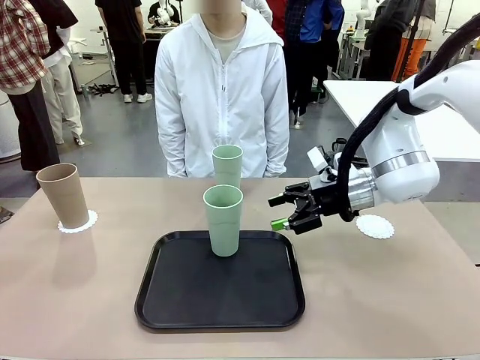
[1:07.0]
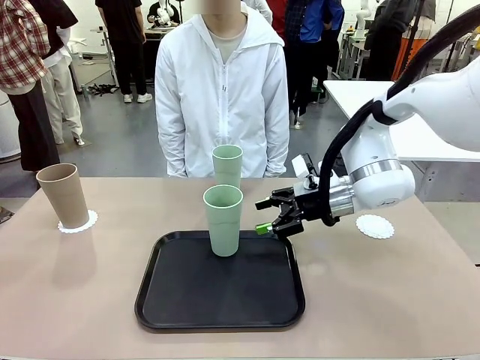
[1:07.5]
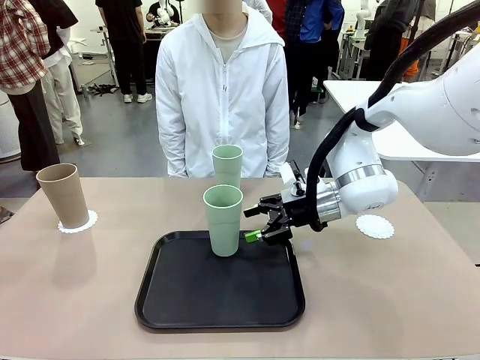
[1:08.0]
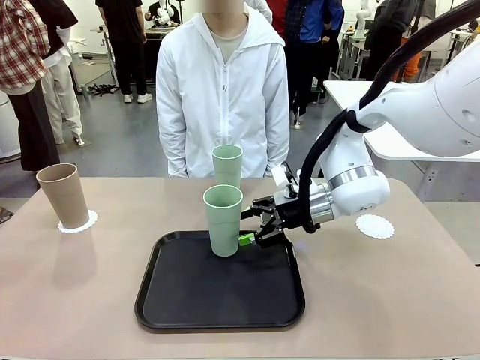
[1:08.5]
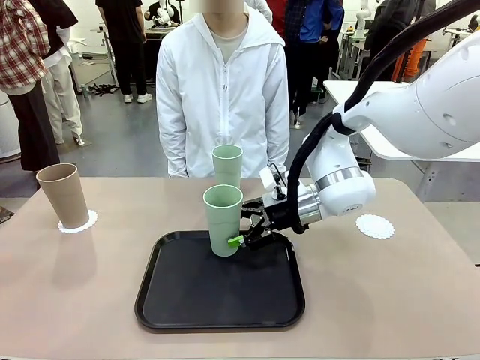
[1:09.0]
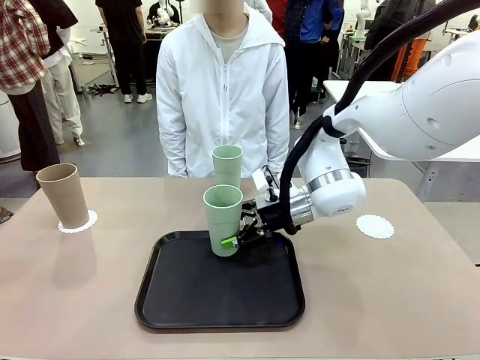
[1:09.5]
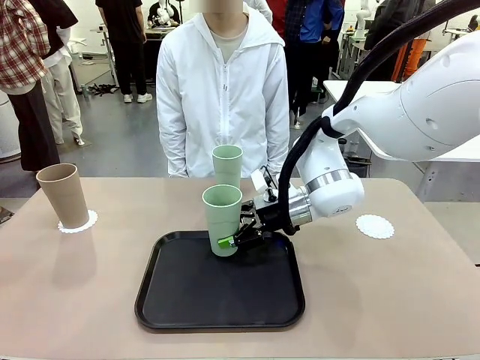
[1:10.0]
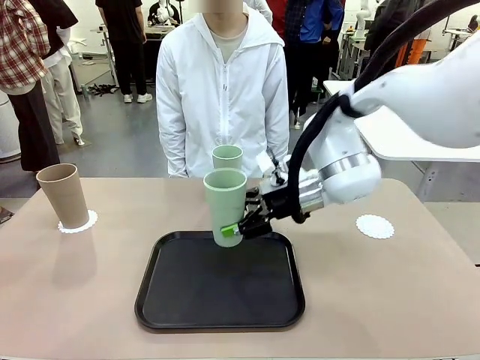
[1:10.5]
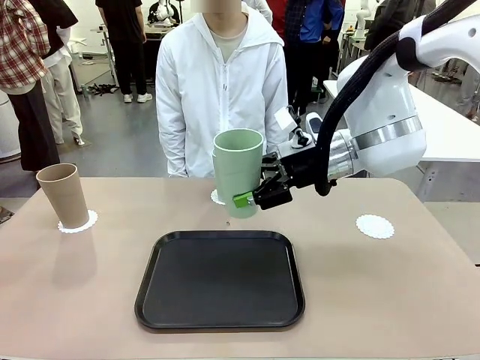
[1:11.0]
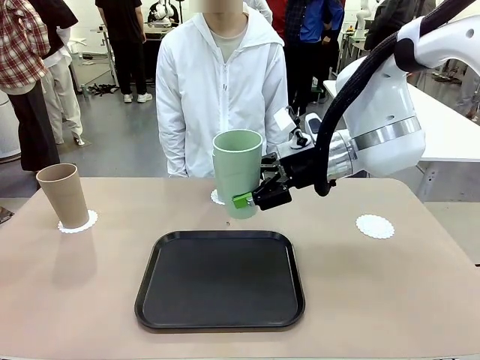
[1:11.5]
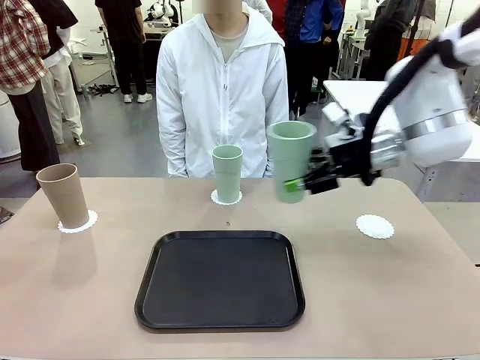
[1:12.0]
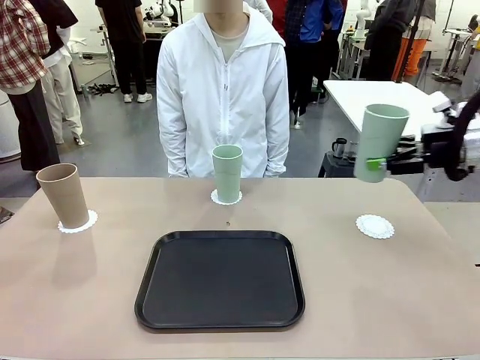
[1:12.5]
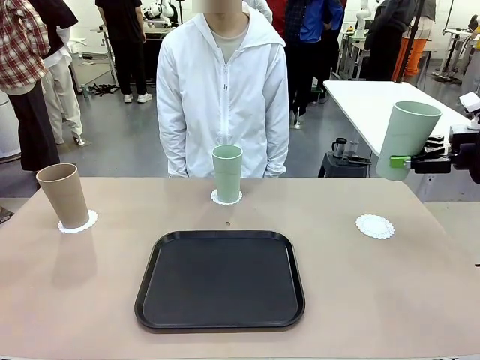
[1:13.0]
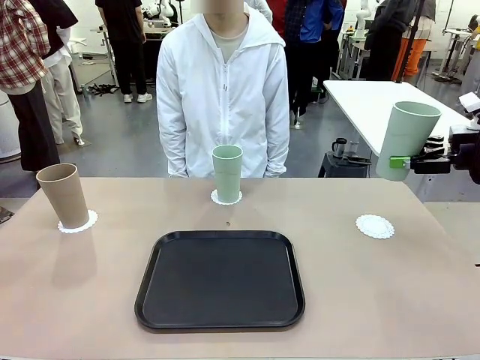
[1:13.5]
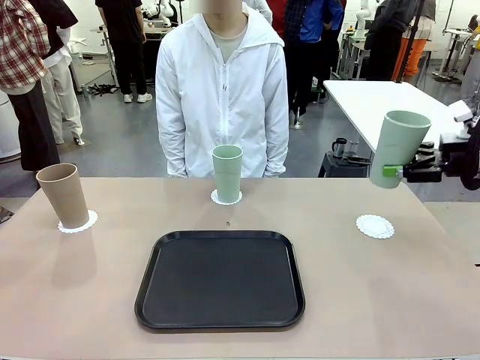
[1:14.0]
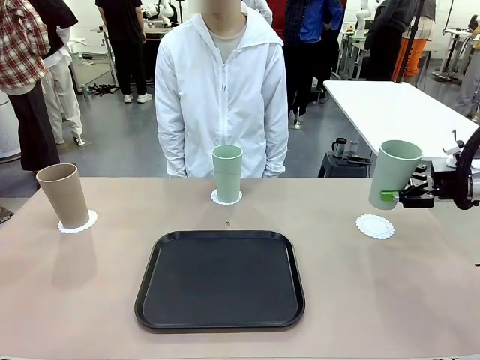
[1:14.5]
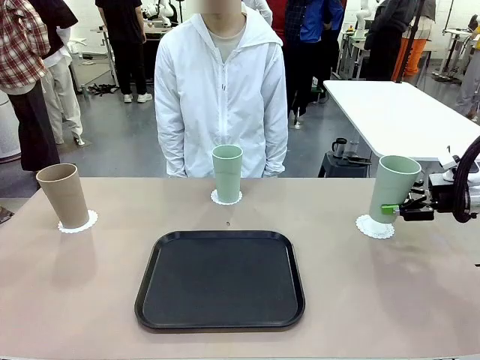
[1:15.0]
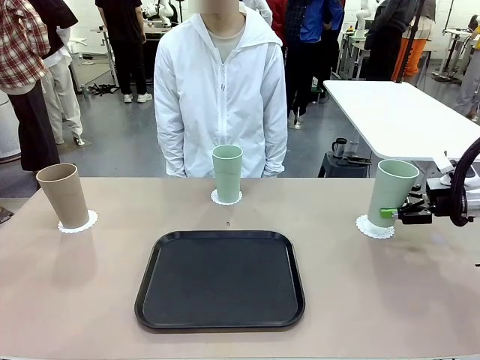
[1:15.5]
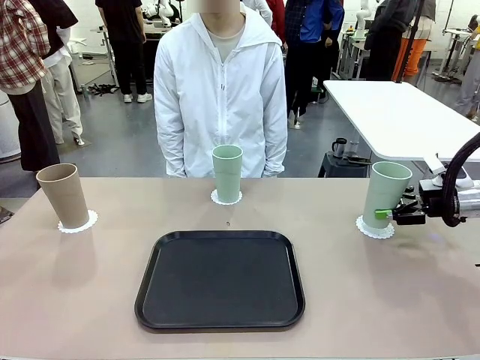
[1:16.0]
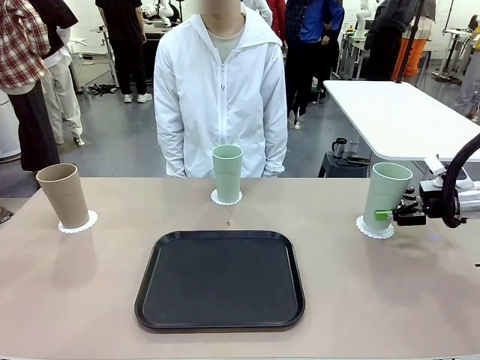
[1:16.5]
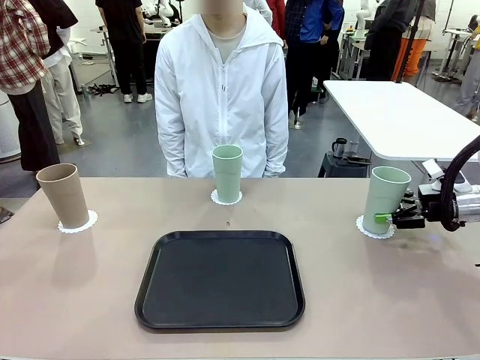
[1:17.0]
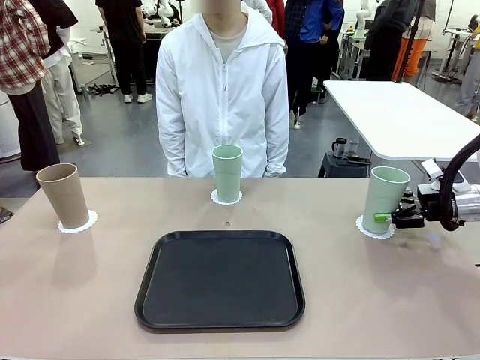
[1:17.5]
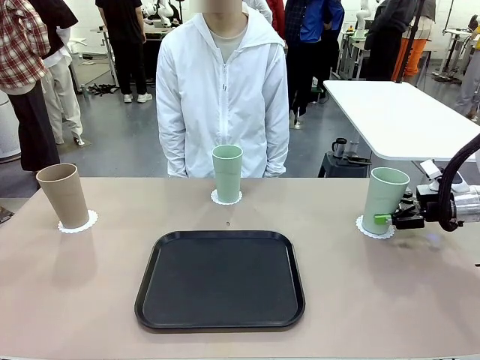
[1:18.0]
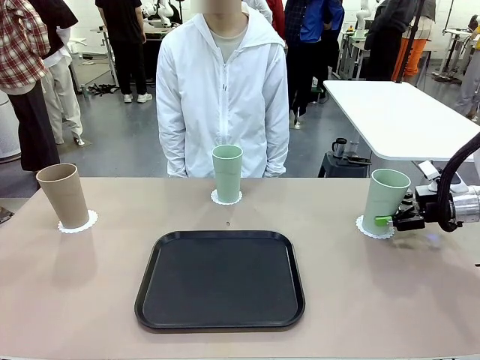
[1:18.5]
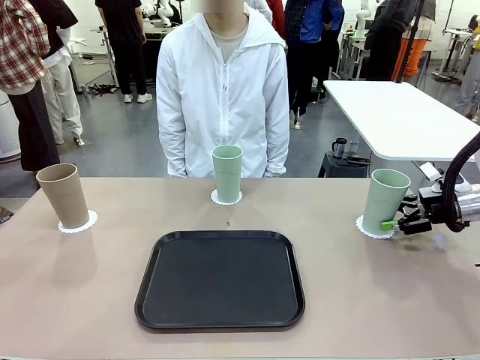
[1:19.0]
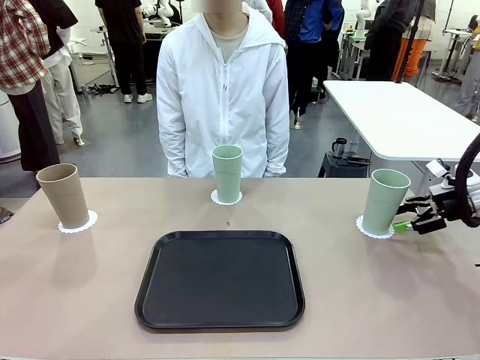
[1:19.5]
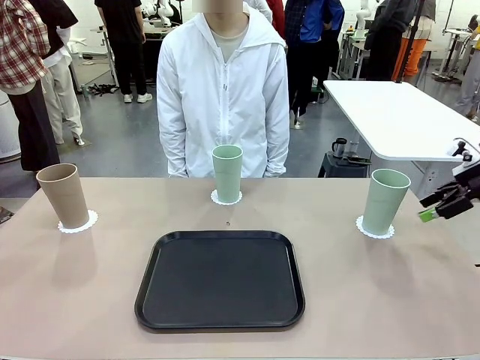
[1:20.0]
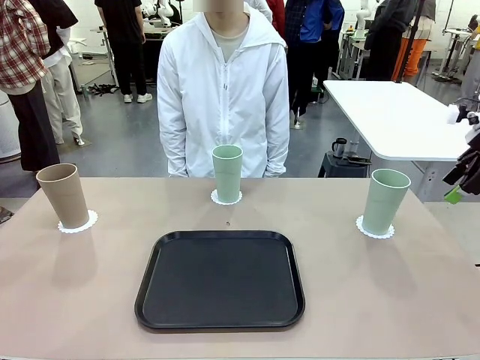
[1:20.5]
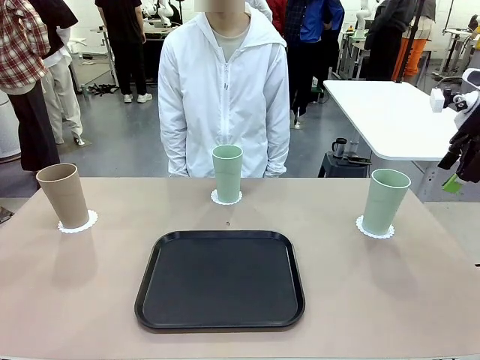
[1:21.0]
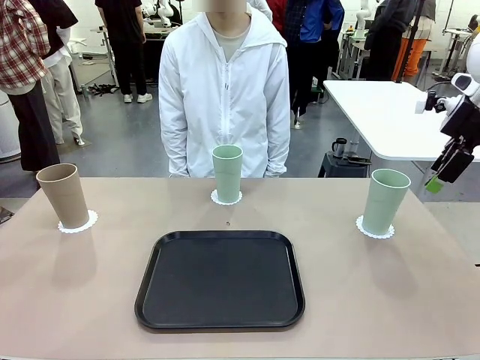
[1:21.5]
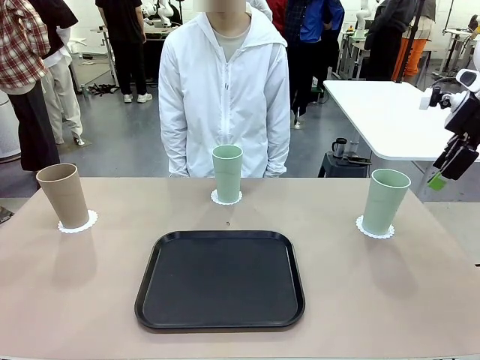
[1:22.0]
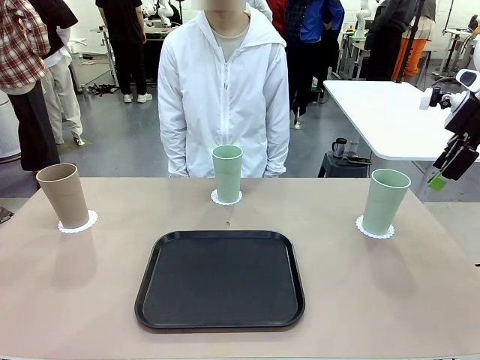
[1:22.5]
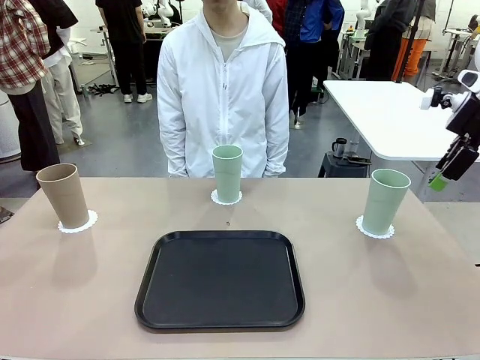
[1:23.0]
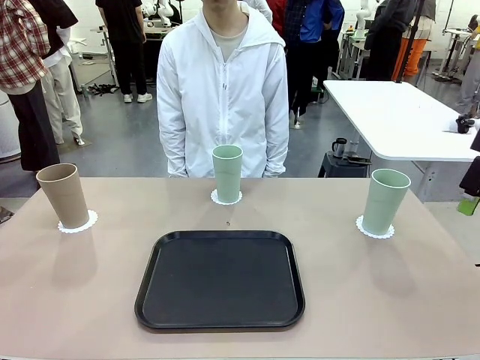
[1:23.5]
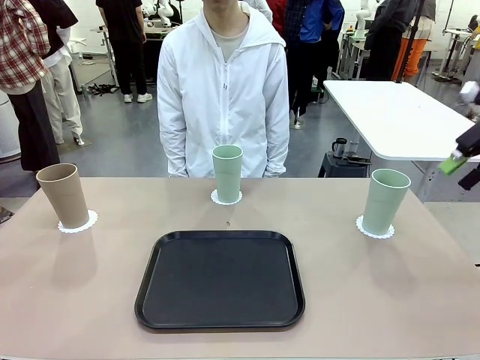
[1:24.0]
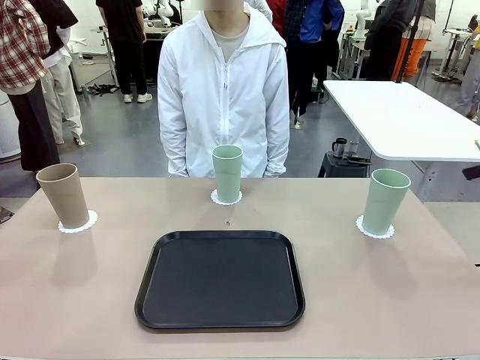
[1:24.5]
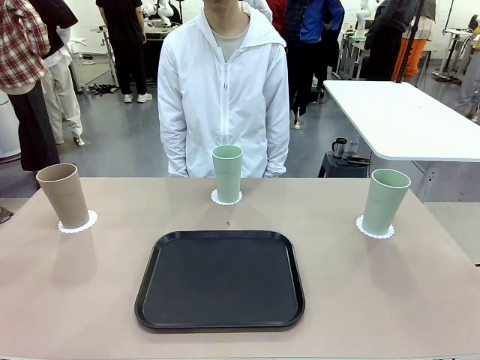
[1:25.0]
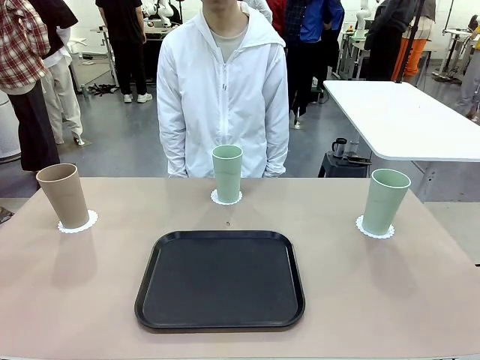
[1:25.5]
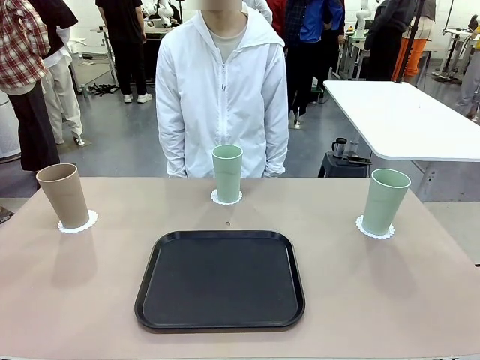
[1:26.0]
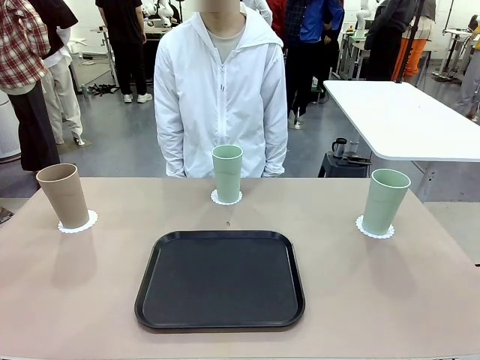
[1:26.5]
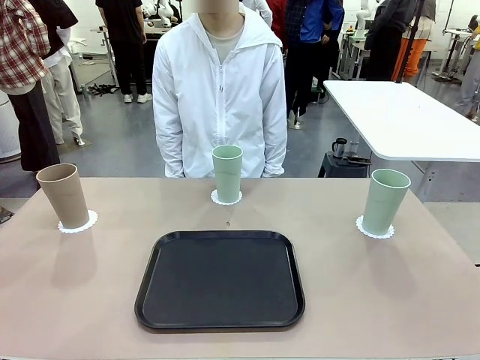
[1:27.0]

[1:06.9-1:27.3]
Task: Place coasters on the table and set cups on them.
Robot: Take one Reusable plastic cup from the Flat Tray and place it on a coaster set by the human.

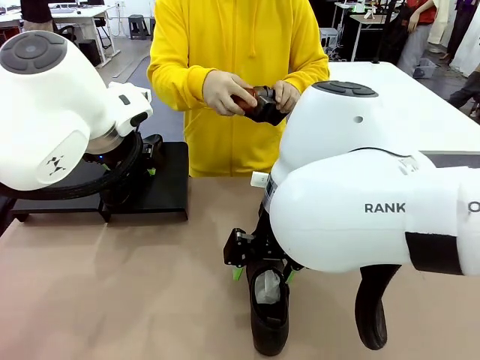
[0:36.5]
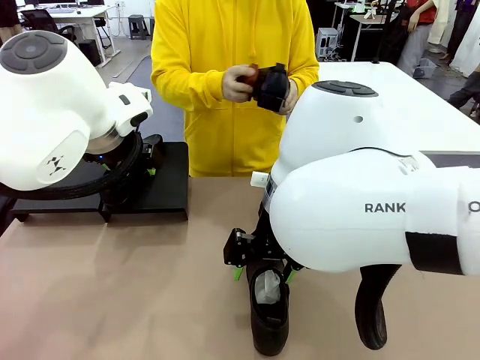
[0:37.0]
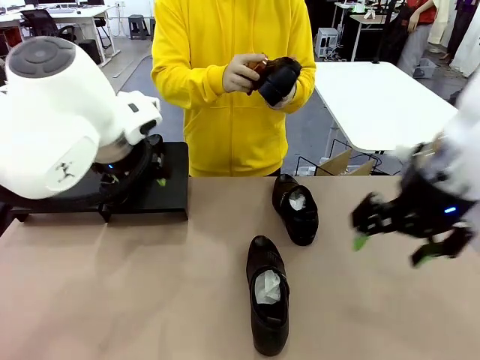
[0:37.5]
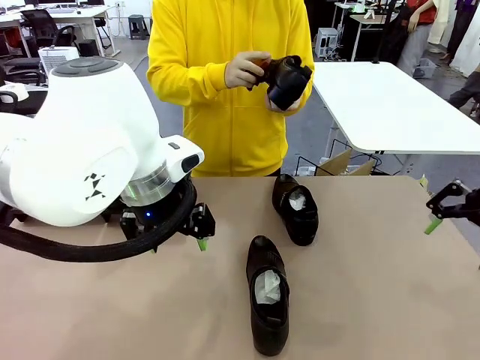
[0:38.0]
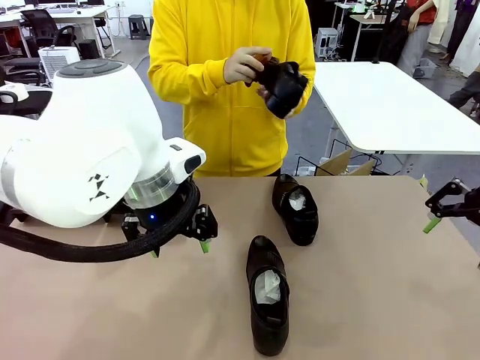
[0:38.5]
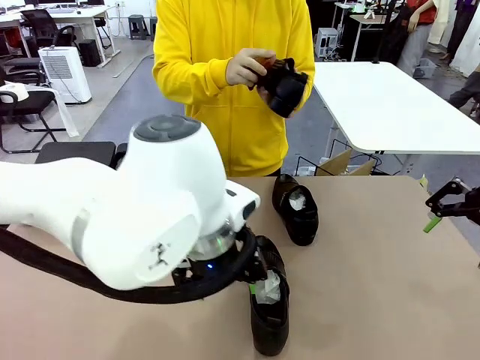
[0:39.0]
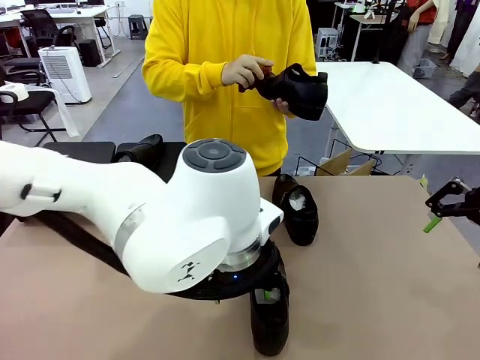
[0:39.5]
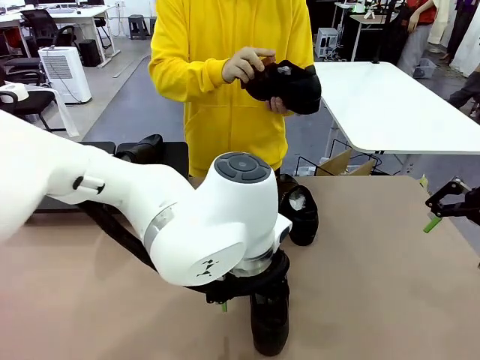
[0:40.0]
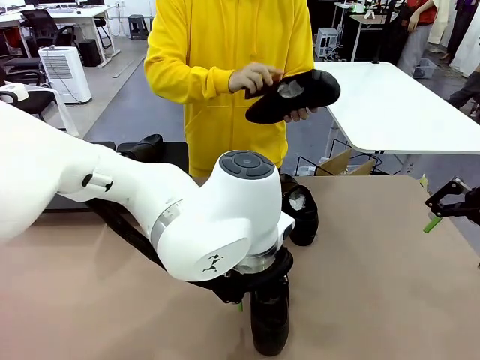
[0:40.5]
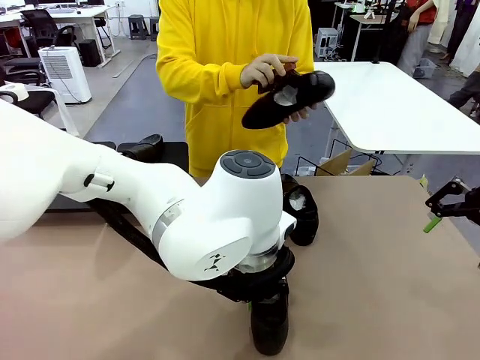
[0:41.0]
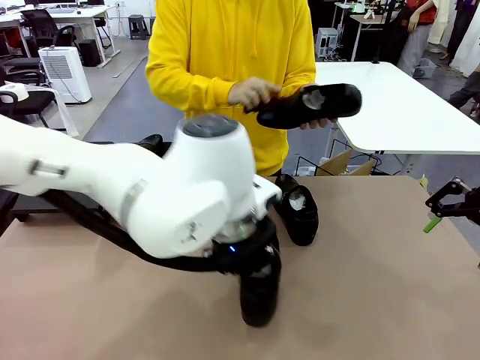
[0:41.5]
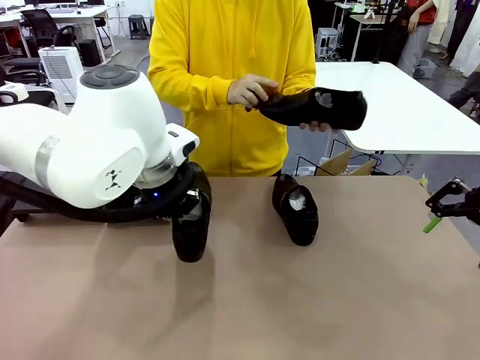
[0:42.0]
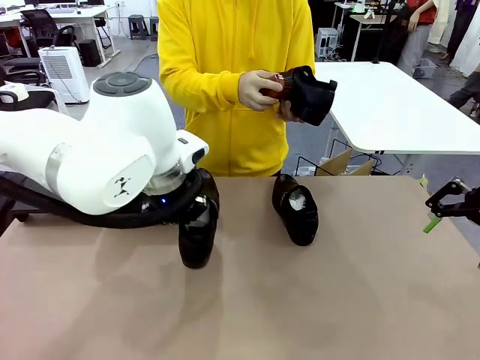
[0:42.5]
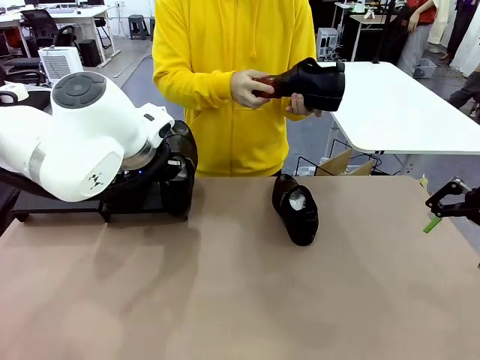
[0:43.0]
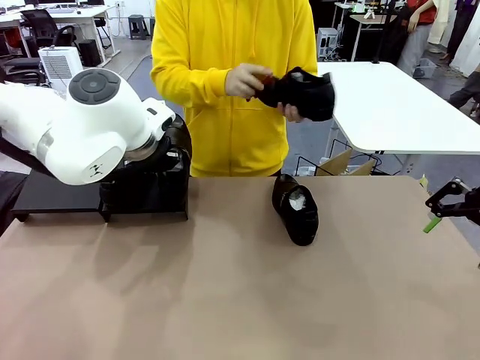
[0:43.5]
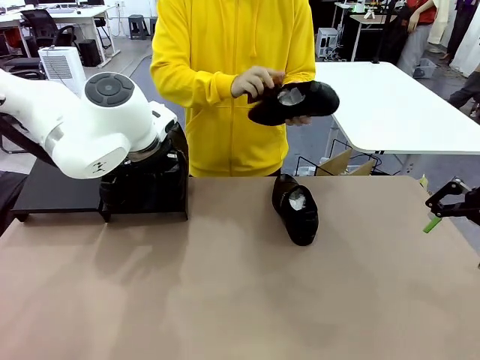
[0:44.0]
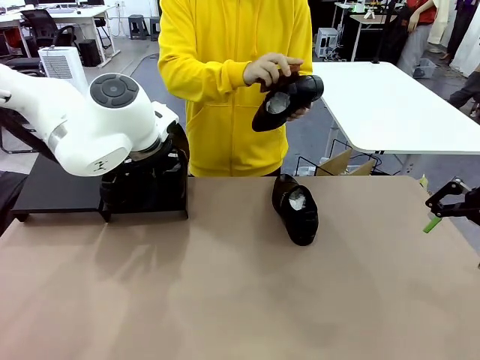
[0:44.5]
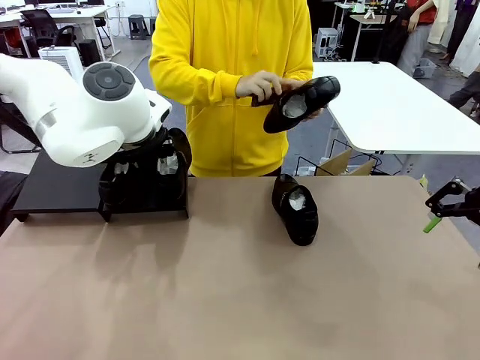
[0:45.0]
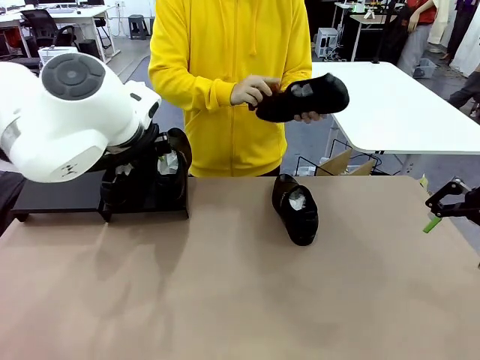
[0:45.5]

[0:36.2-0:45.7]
Task: Organize the shoes by placing them on the stand.
Robot: Place the Shoe from the middle of the table onto the Shoes Stand.
